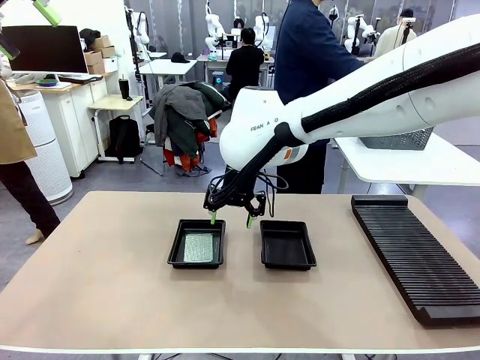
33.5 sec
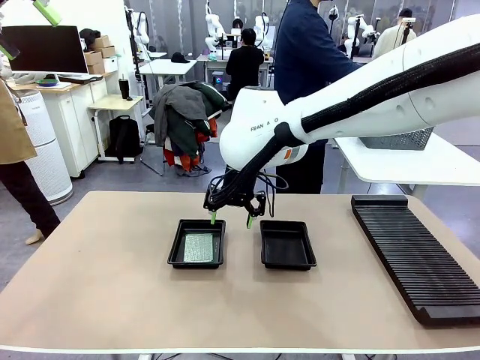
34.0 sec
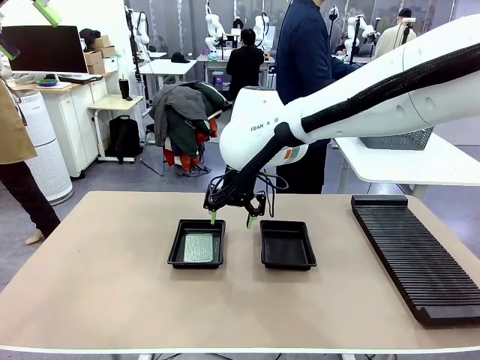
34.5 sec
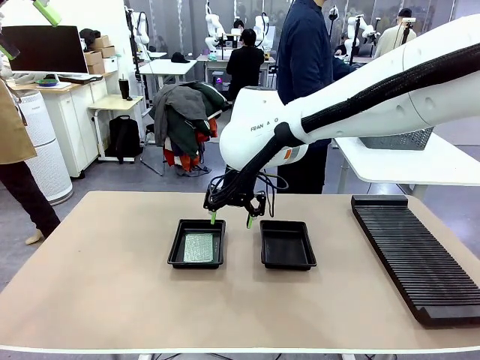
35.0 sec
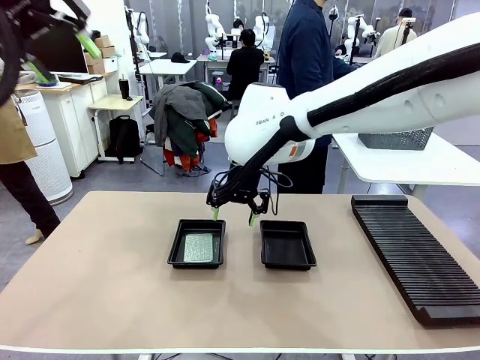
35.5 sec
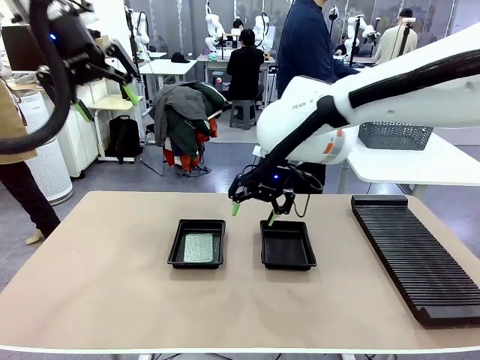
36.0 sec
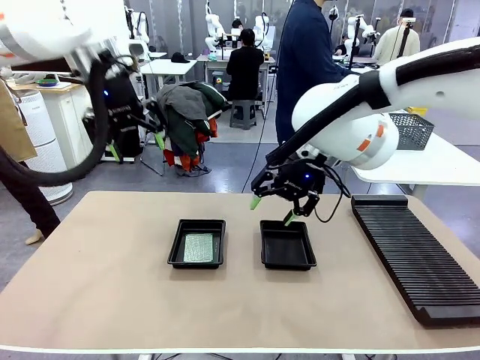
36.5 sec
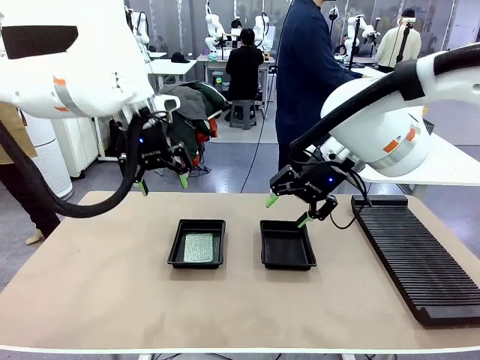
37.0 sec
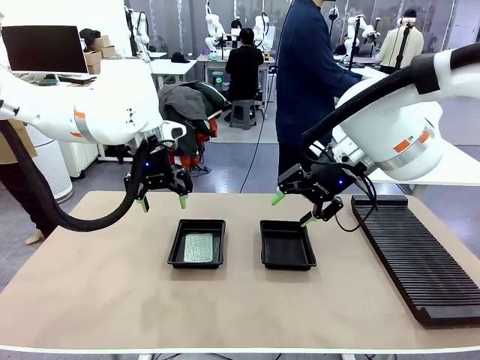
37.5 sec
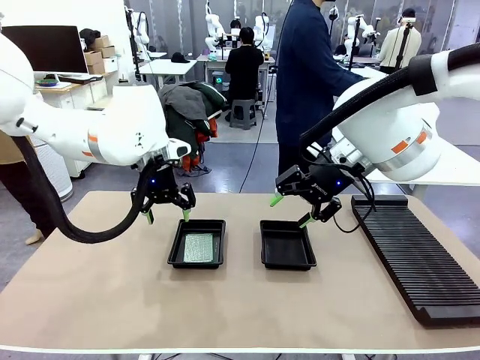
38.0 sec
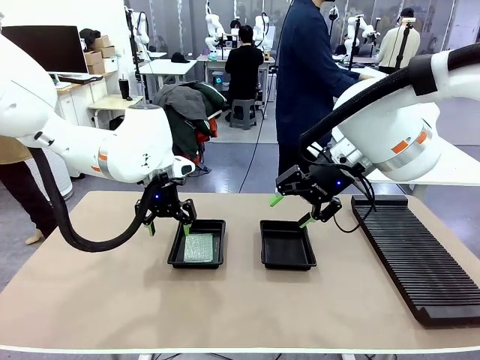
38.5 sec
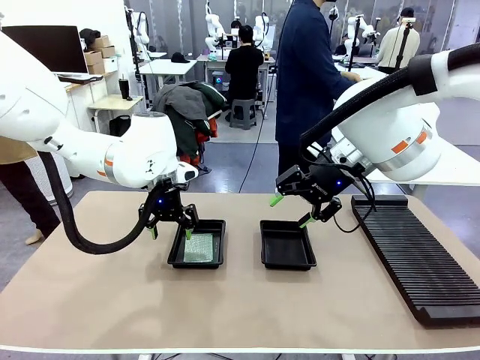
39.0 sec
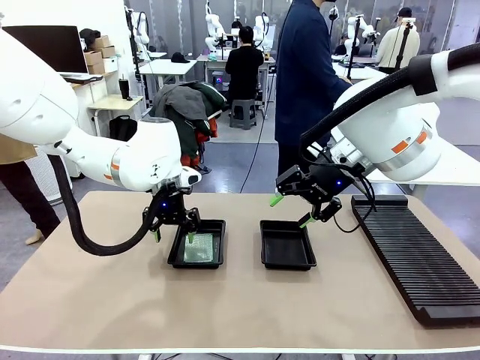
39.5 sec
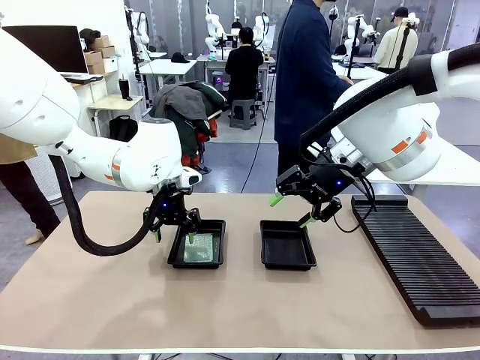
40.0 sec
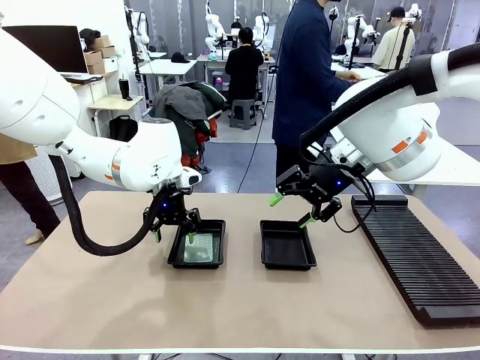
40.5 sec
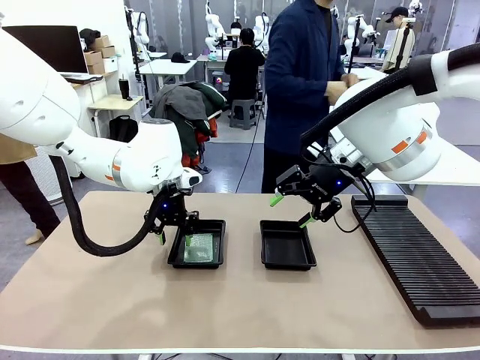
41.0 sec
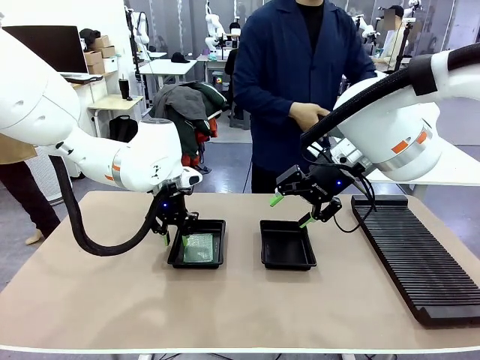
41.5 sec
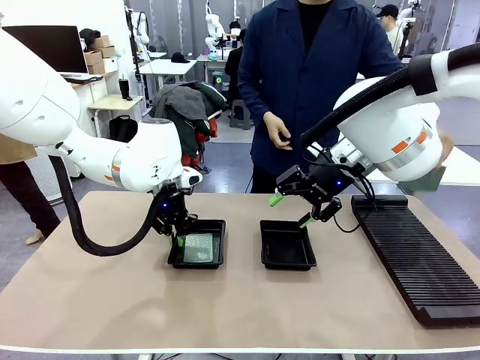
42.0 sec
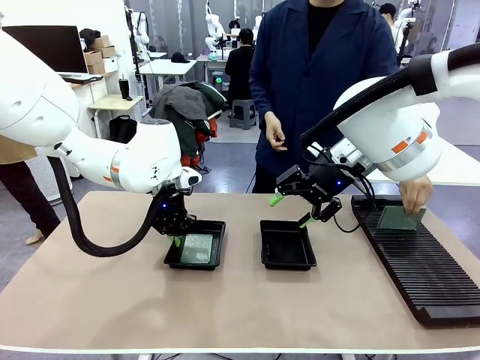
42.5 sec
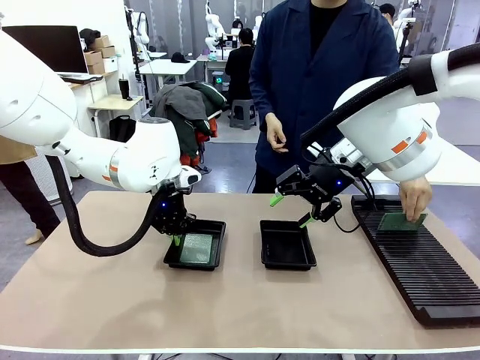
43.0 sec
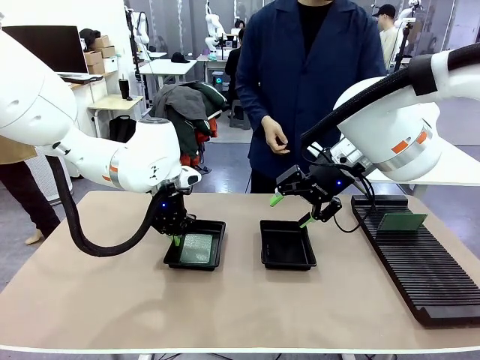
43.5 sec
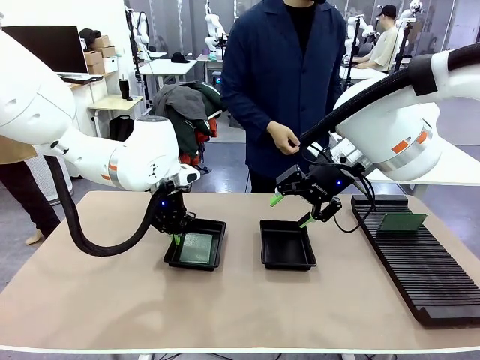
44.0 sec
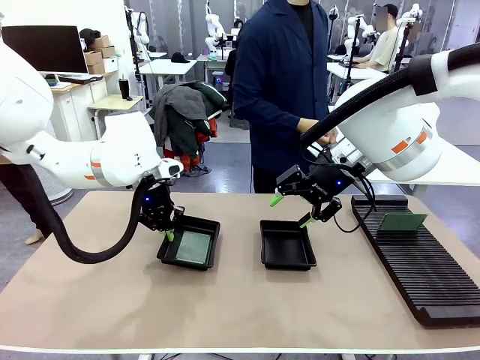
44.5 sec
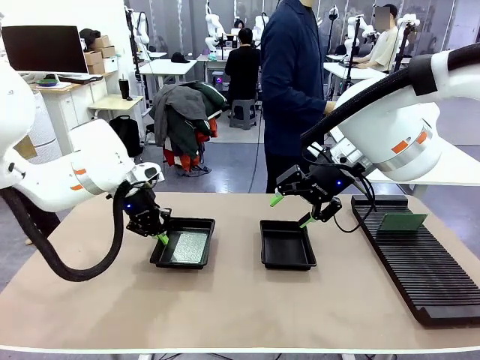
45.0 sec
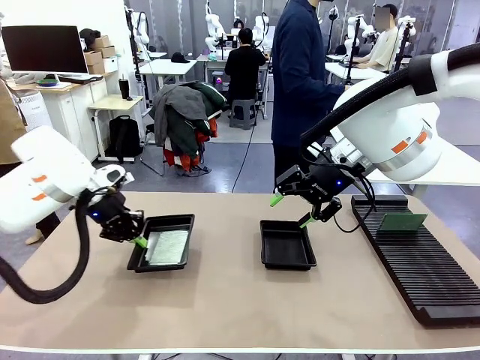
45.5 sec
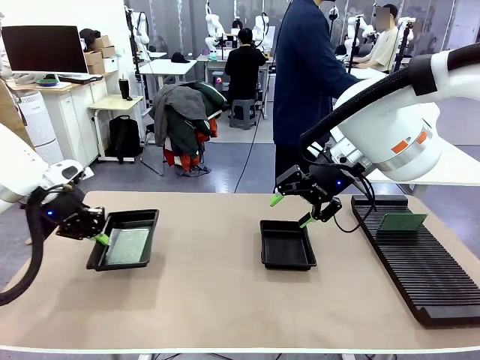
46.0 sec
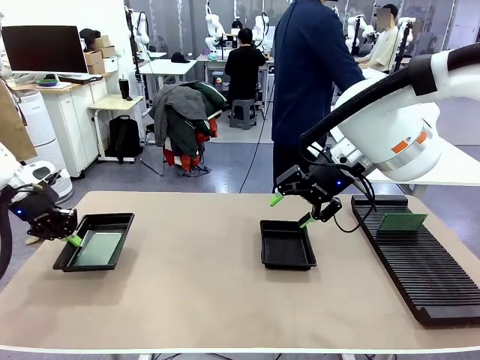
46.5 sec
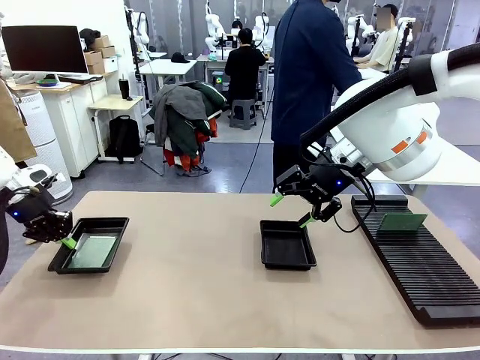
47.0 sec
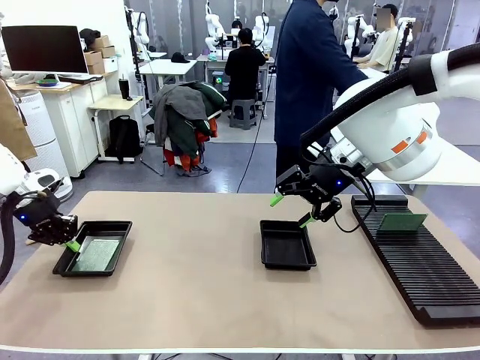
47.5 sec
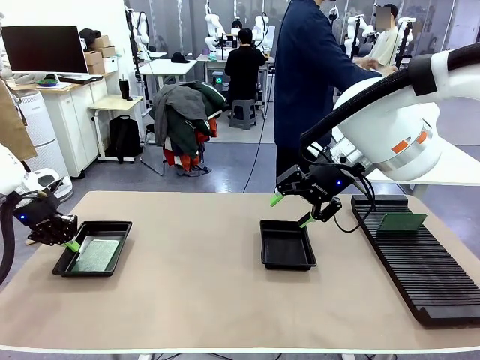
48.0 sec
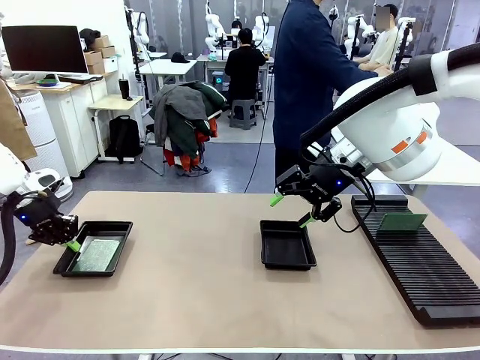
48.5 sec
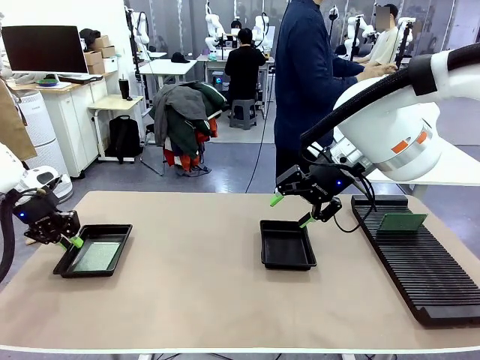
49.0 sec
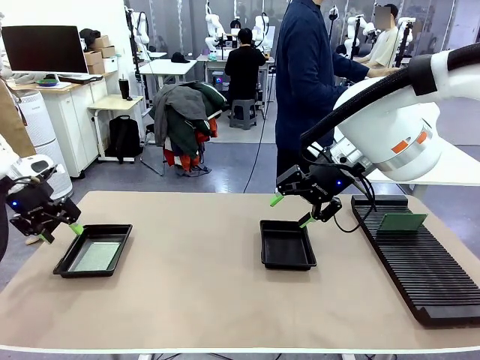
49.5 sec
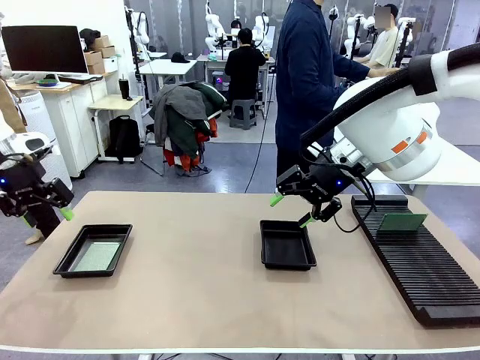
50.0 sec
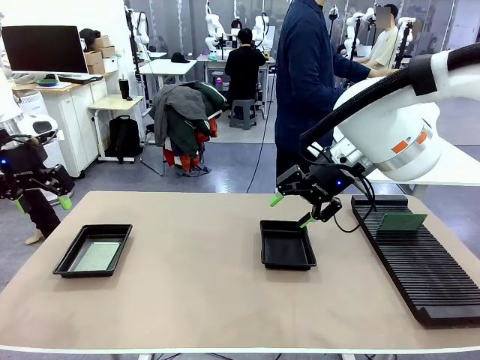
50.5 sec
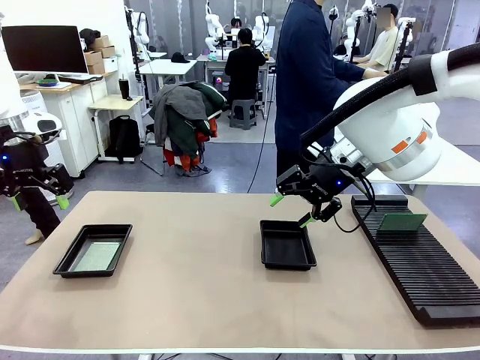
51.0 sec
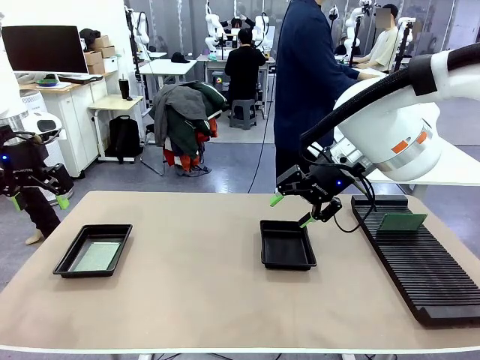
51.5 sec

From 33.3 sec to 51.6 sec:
Task: Inspect and transfer BCBs to ESD trays.
Robot: Pick up the ESD tray and place it on the left side of the table.
